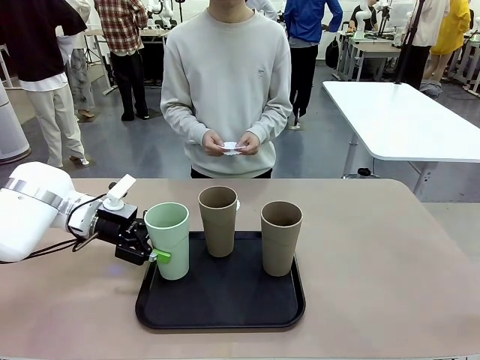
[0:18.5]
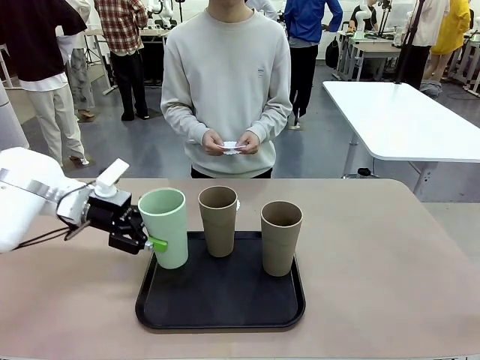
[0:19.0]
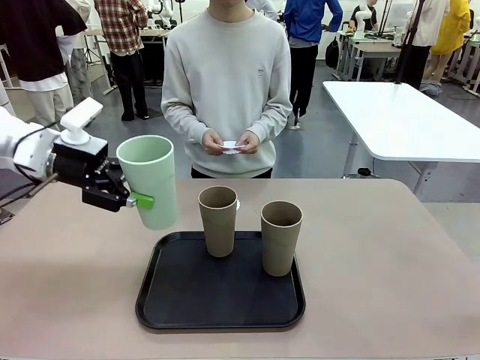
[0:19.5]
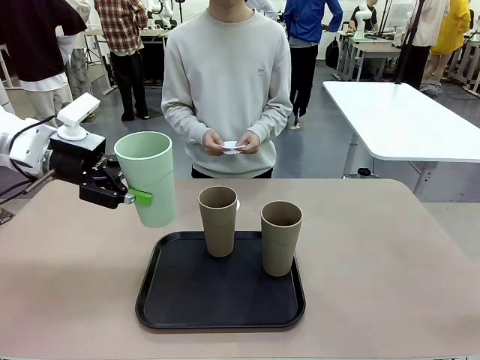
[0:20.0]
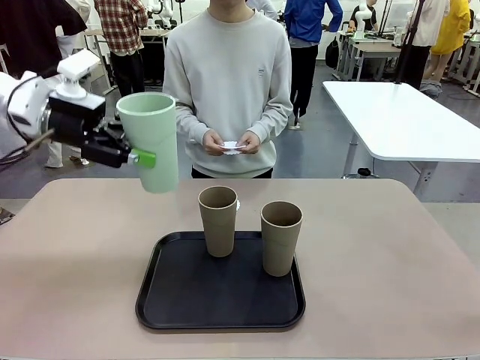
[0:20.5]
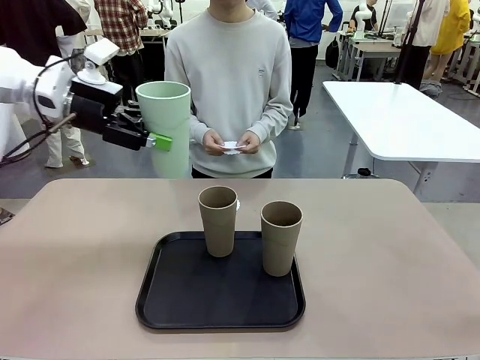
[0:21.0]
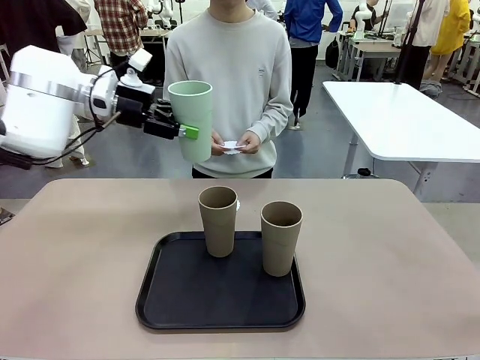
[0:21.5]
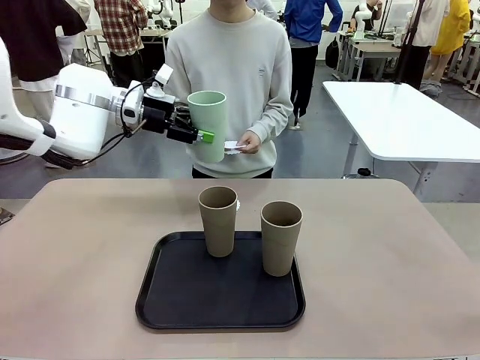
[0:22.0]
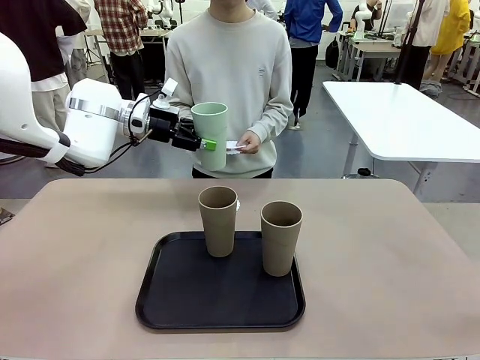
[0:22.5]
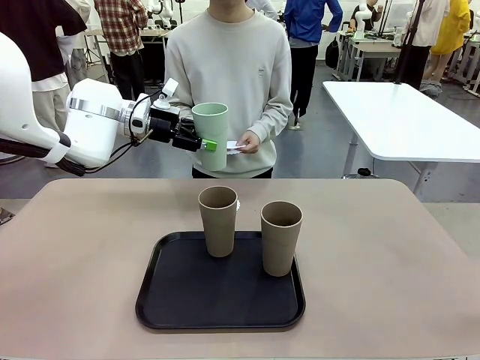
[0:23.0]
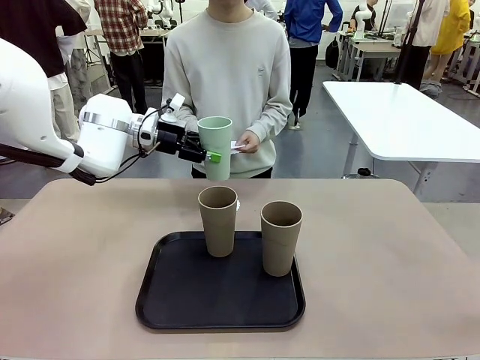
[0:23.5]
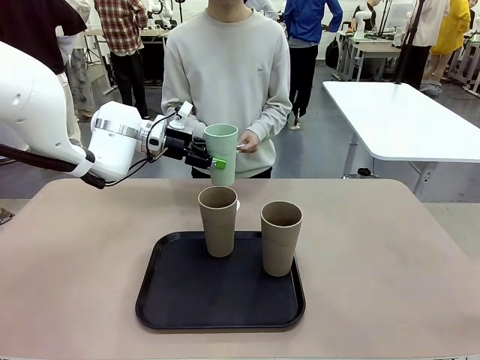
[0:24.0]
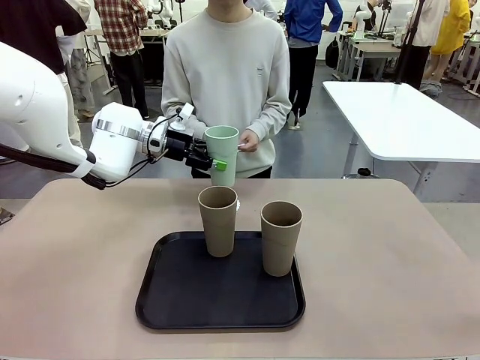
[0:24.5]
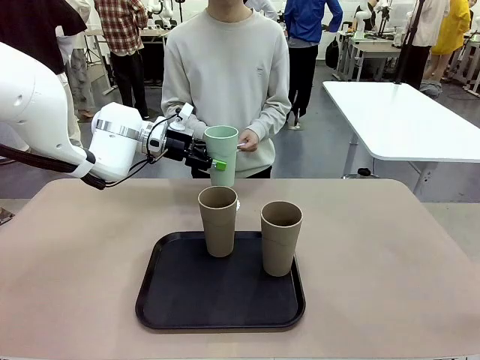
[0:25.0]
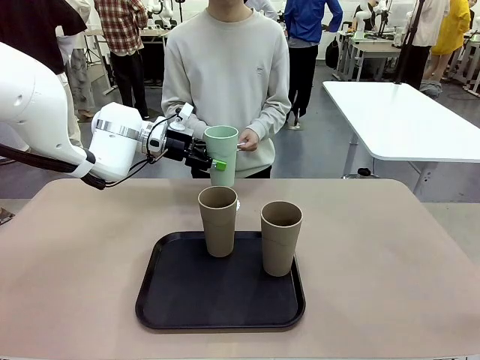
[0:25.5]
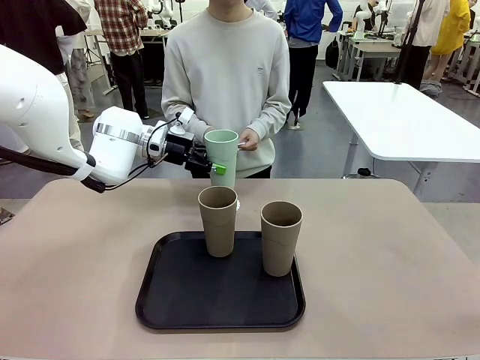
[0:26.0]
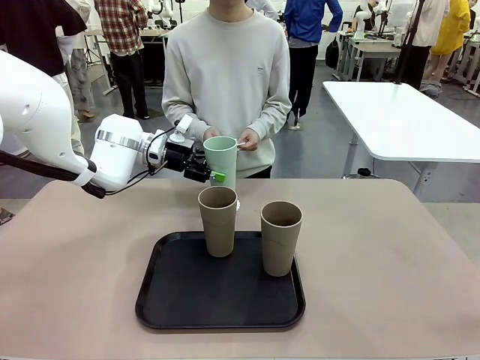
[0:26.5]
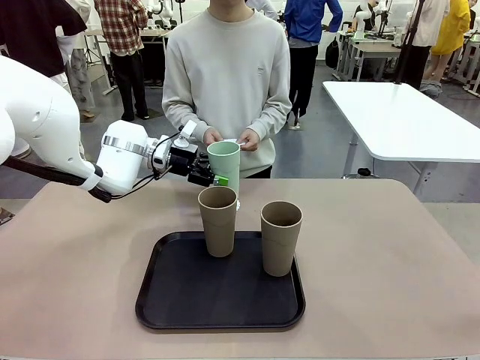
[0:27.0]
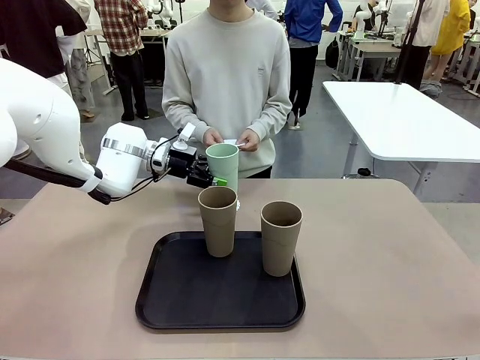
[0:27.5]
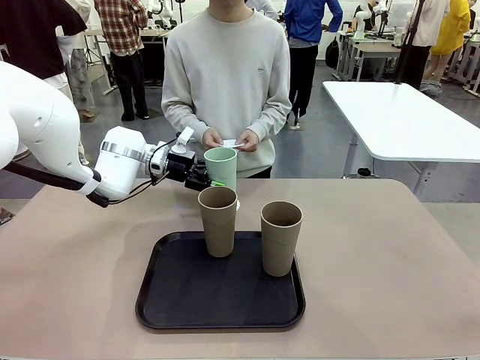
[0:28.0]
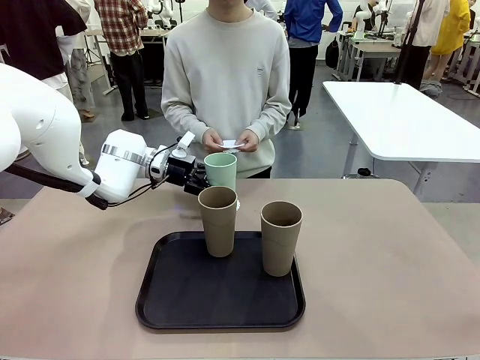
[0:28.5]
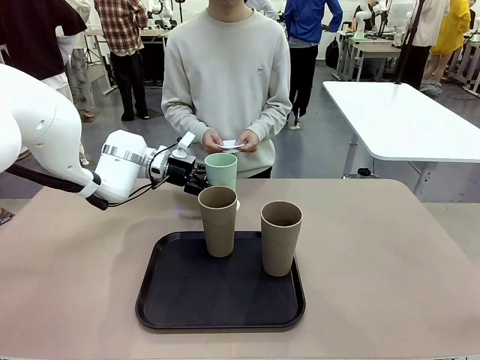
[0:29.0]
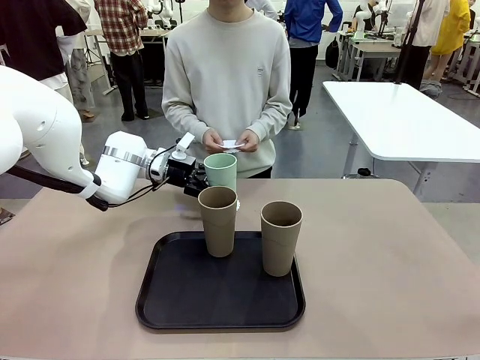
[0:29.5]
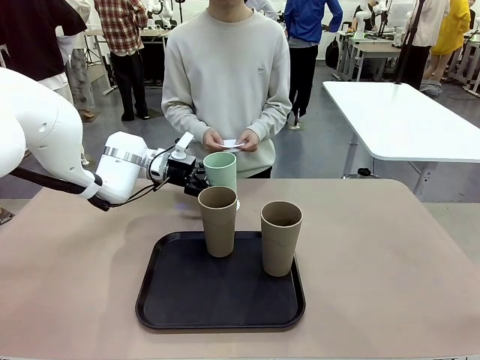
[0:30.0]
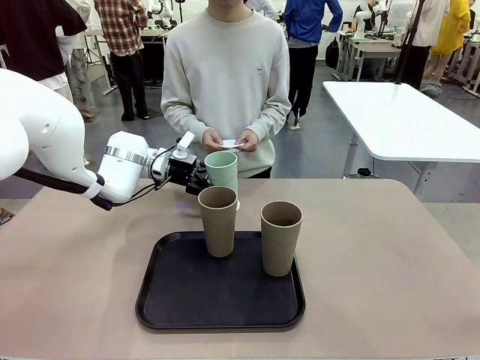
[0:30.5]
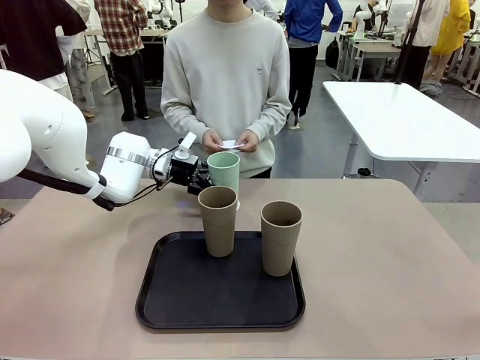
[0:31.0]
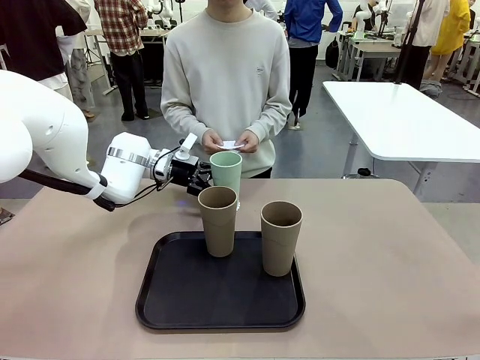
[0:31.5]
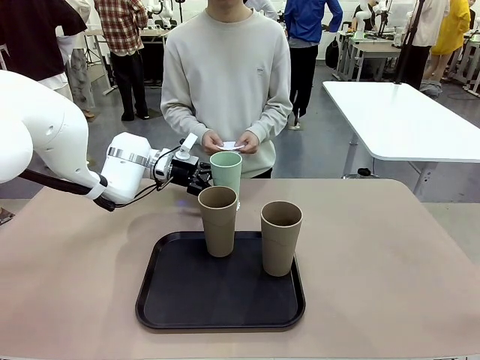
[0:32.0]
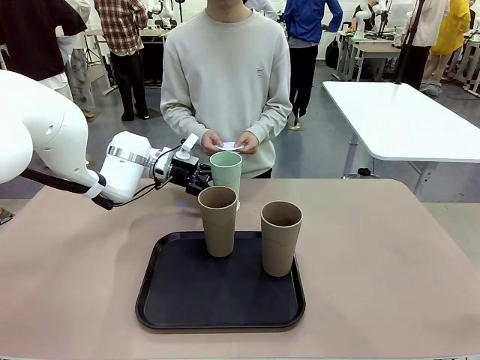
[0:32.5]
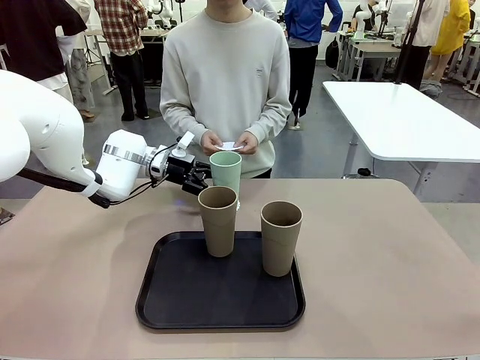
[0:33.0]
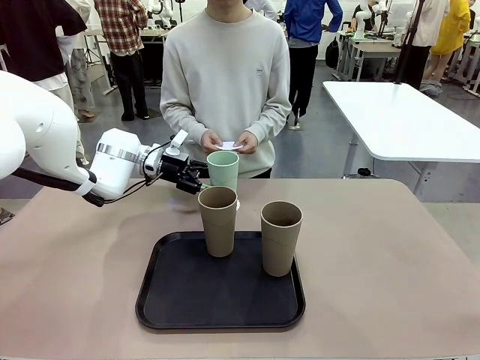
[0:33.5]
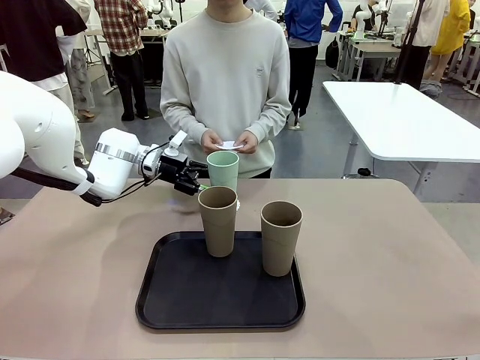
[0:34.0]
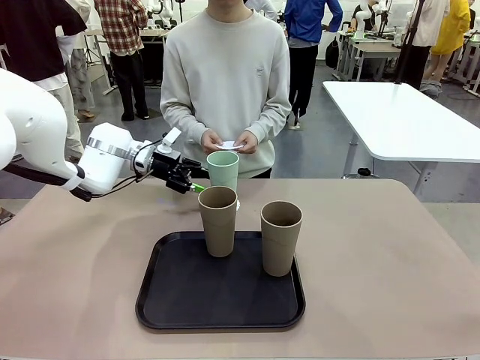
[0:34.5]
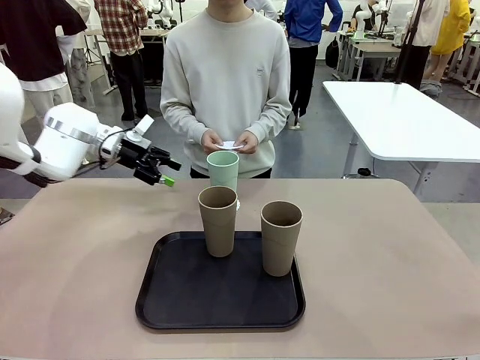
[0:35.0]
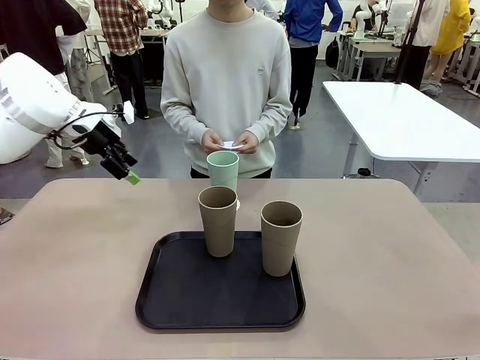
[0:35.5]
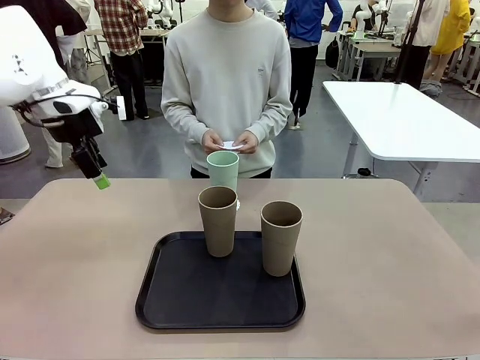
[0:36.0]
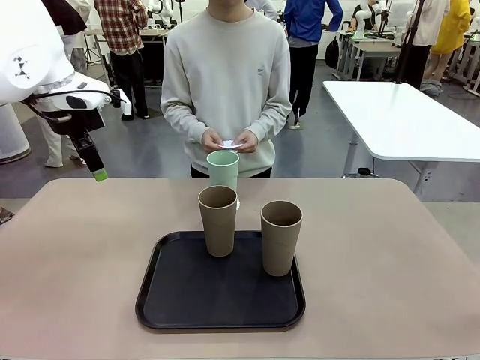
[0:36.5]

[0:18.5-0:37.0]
Task: Place coasters on the table and set cups on them.
Robot: Pick up one Reusable plastic cup and place it on a coaster set by the human.
Person: Place one coaster in one of the two areas excluding the previously selected area.
